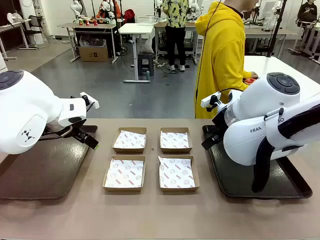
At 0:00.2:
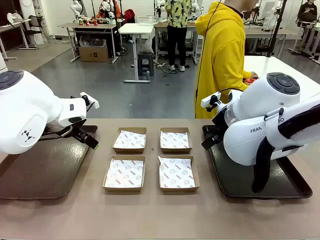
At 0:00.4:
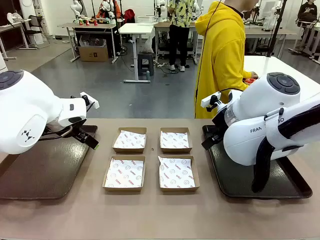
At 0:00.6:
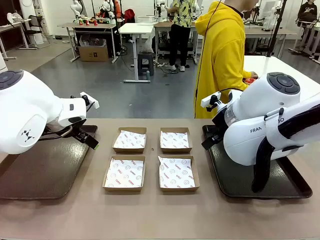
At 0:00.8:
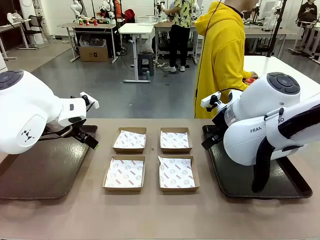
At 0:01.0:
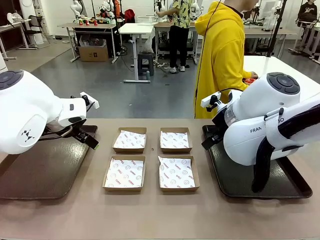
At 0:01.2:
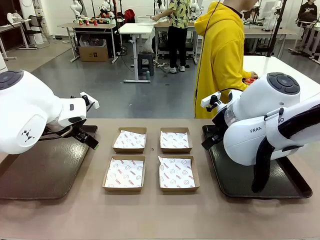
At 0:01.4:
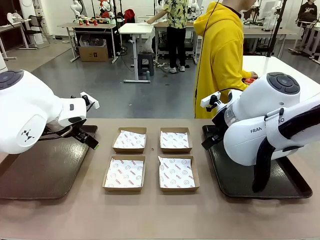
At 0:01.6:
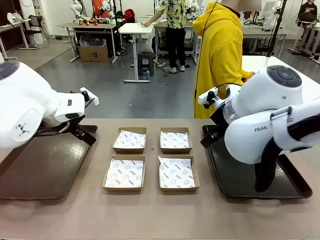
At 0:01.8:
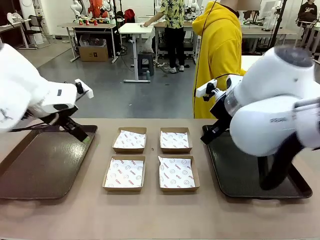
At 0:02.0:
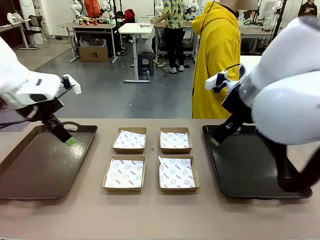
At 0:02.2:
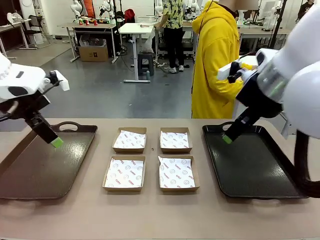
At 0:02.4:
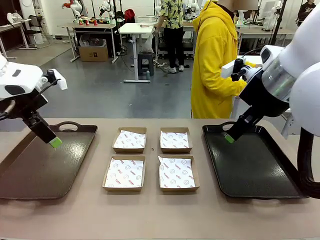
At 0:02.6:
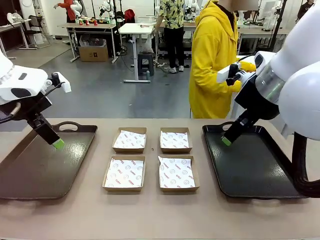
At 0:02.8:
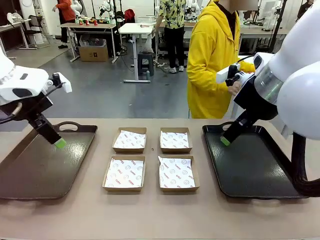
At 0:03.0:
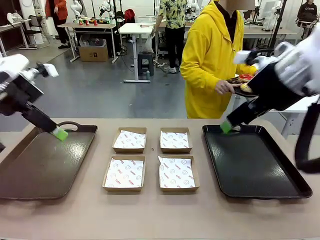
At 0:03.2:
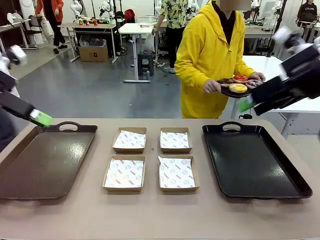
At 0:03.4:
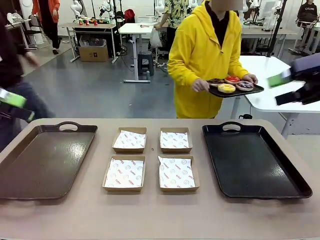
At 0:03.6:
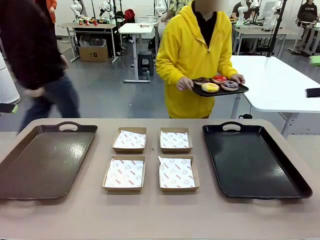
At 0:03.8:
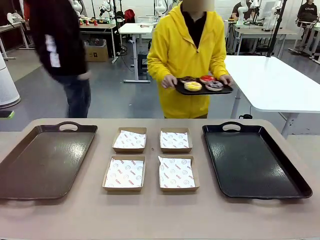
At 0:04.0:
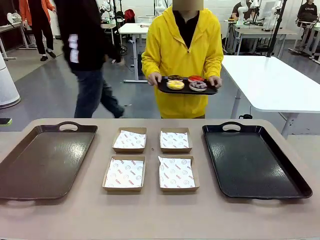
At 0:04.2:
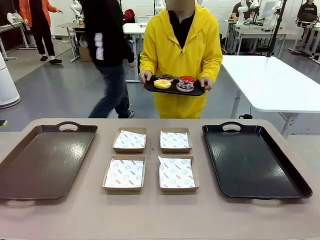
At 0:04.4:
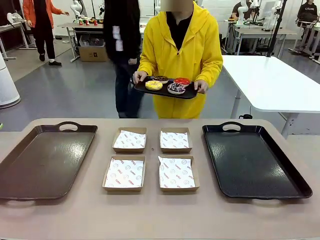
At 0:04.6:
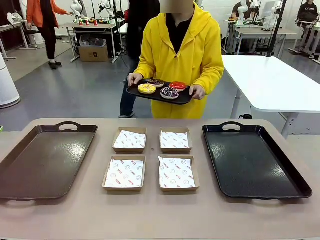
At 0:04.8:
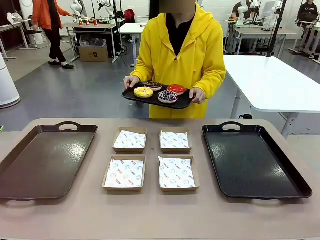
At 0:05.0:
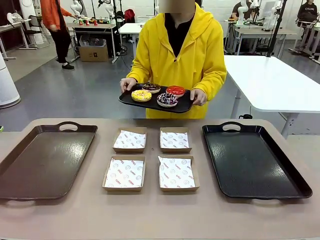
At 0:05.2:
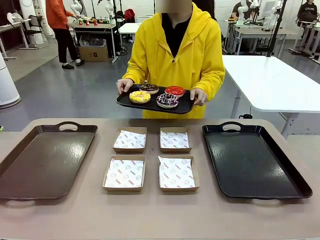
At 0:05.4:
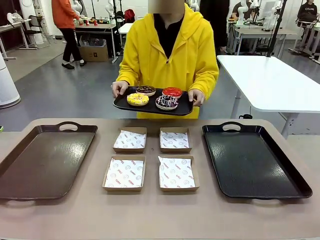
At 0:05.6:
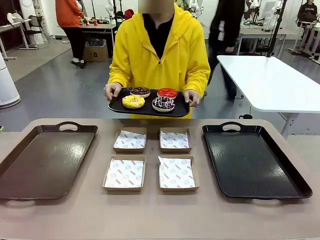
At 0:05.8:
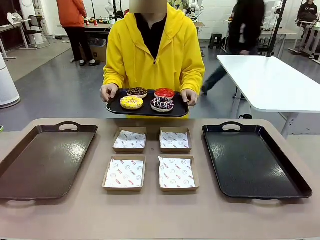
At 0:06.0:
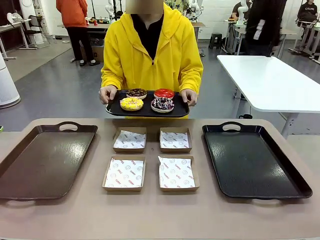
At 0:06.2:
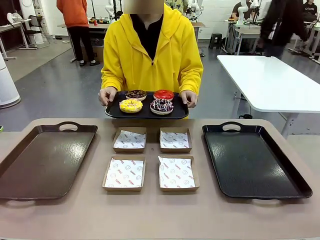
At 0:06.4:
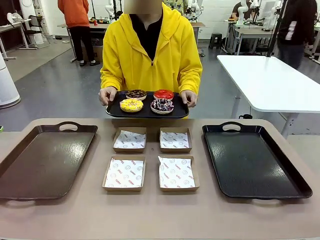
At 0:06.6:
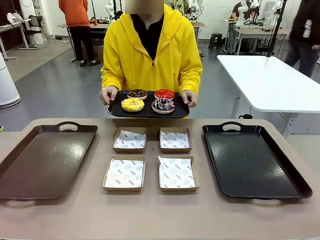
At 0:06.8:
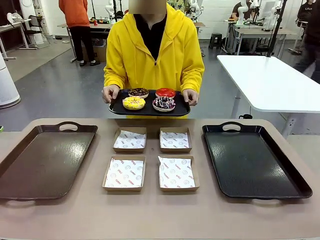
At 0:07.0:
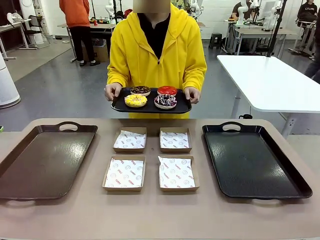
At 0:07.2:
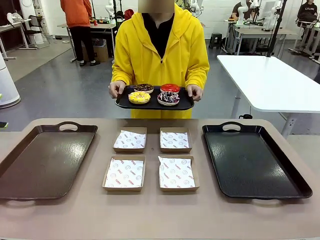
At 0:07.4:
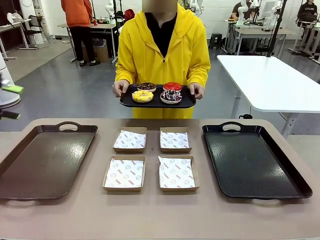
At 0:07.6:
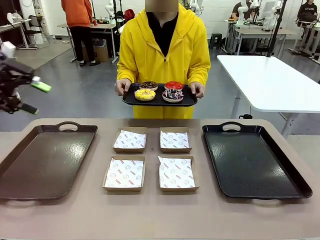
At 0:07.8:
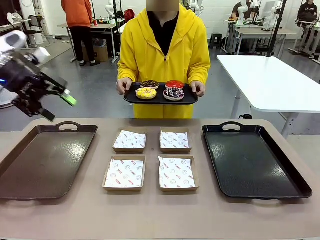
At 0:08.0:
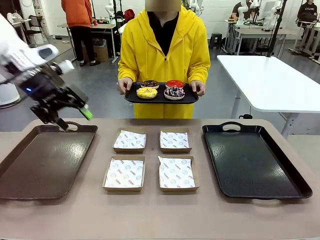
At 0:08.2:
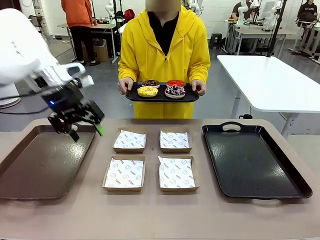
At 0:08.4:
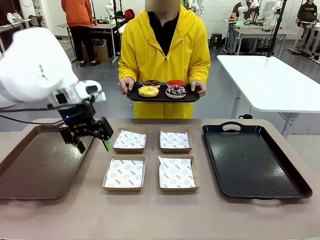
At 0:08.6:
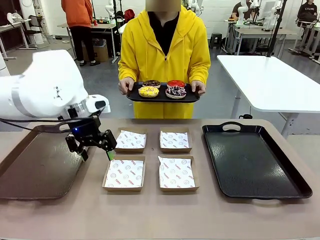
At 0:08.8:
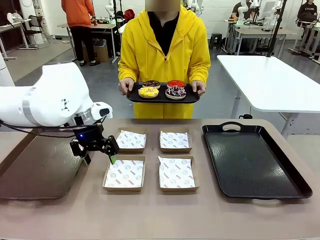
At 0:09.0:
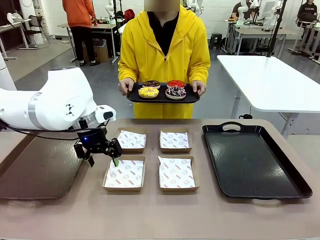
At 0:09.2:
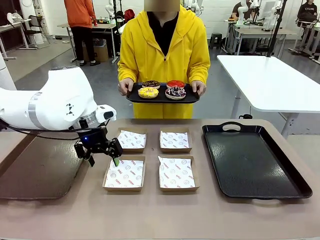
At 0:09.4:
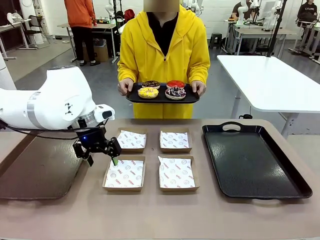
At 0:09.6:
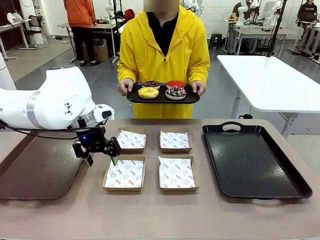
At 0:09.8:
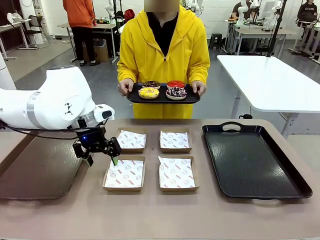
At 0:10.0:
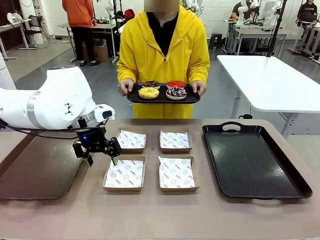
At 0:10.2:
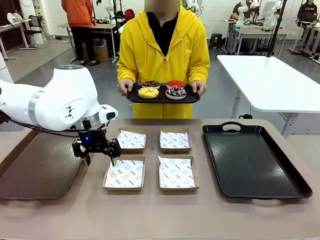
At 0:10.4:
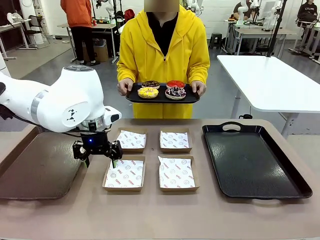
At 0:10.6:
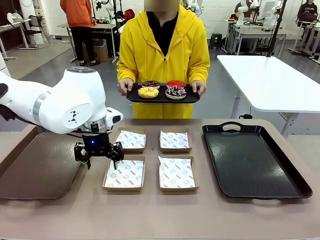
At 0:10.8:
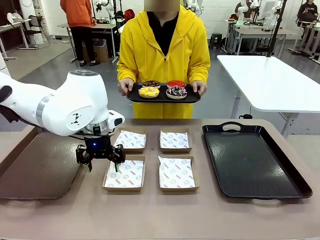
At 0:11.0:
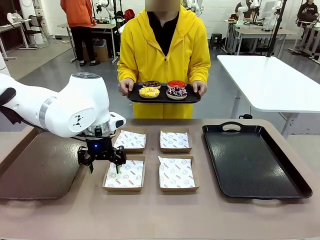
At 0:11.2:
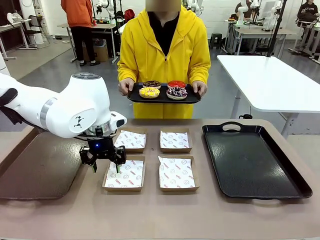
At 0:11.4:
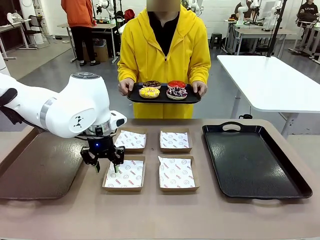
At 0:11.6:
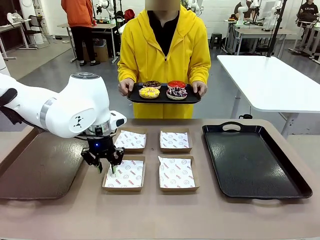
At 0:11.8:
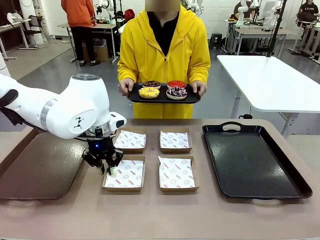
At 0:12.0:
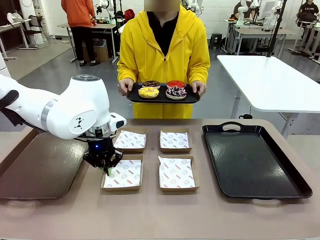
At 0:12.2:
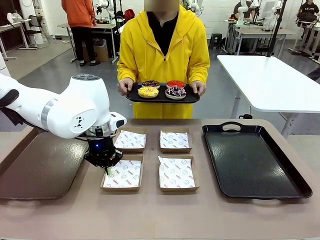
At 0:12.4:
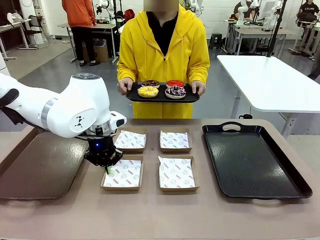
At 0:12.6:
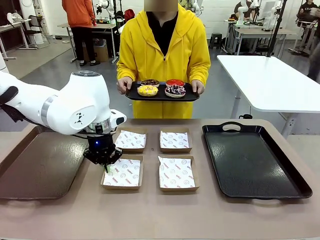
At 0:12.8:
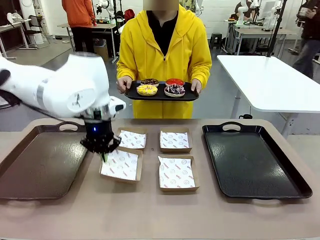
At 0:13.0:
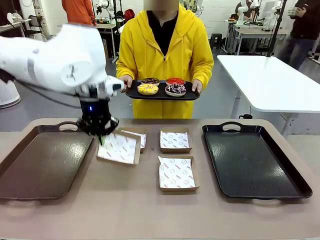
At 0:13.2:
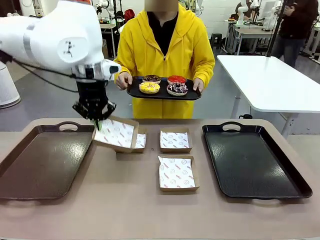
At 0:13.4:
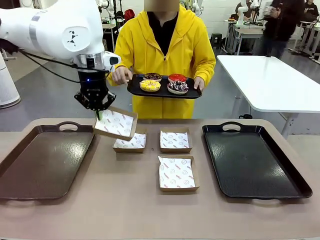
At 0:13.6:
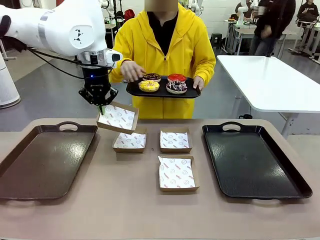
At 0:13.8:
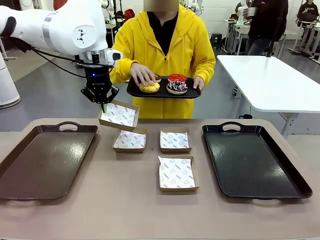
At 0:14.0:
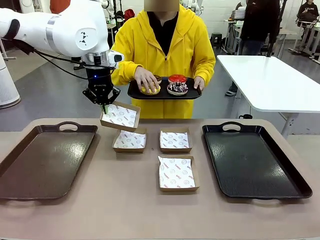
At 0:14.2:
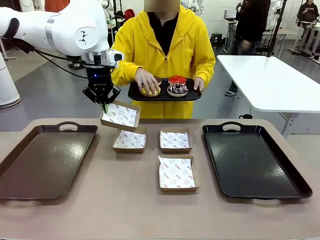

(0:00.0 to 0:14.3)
Task: Individually package the donuts and arrange them on the tray.
Robot: Pick up one Paper togo box.
Person: Stand in front of the robot table holding the tray containing the donuts.
